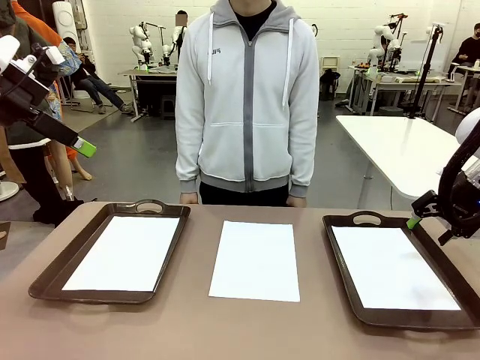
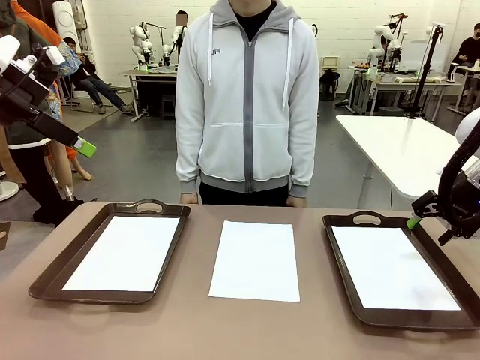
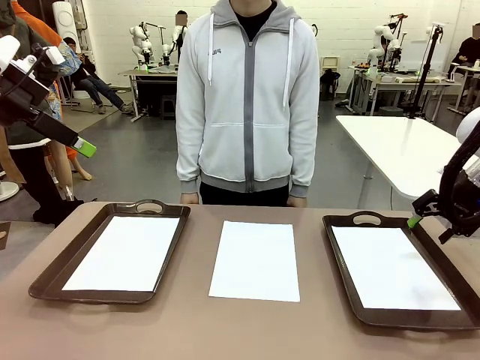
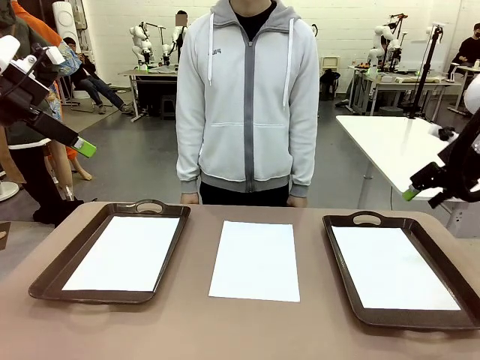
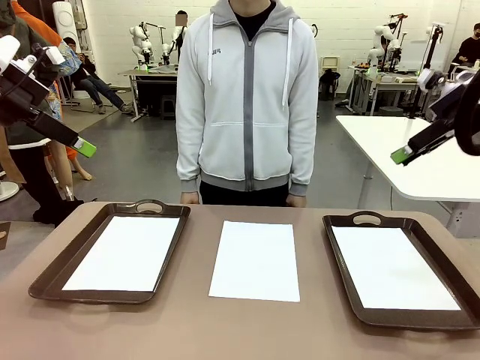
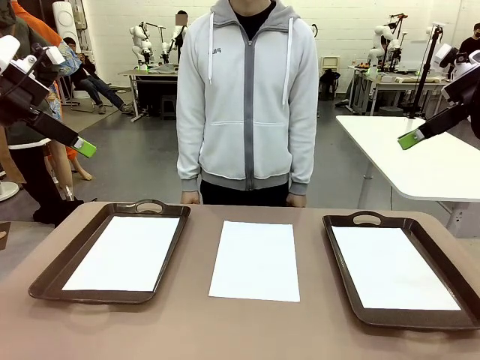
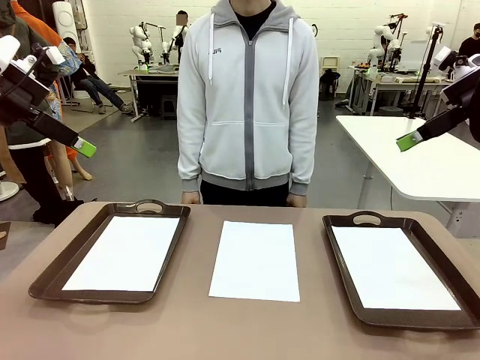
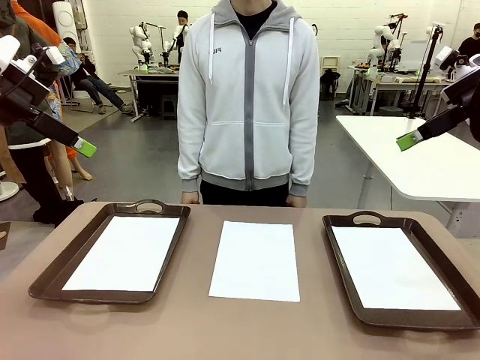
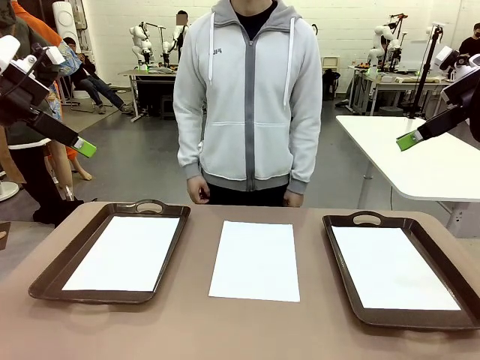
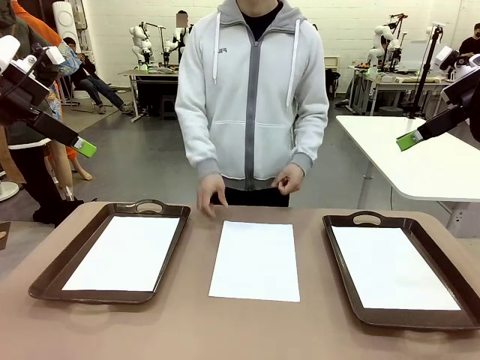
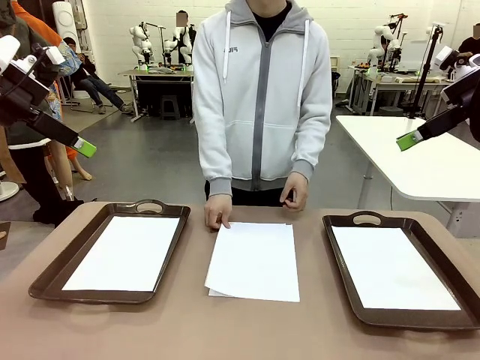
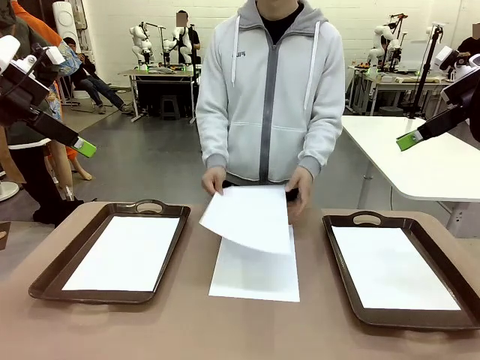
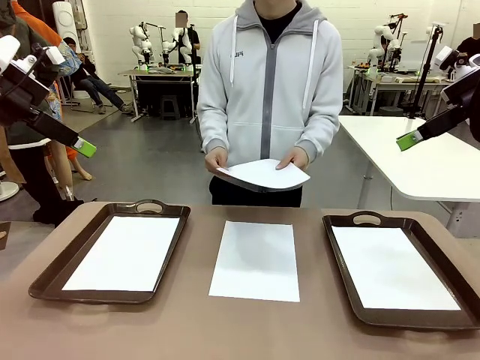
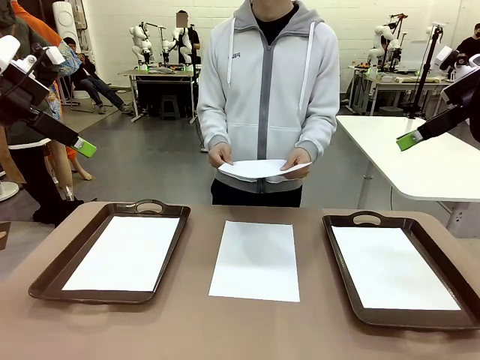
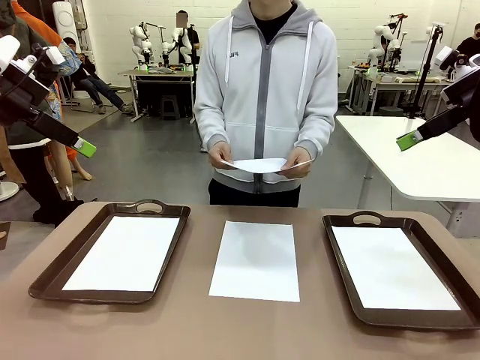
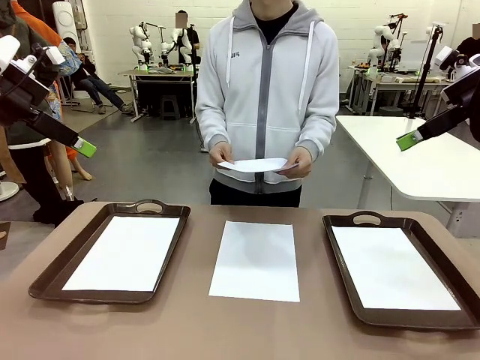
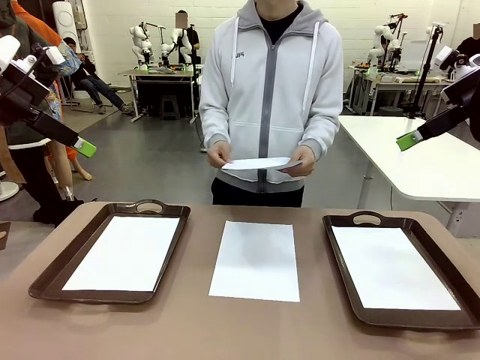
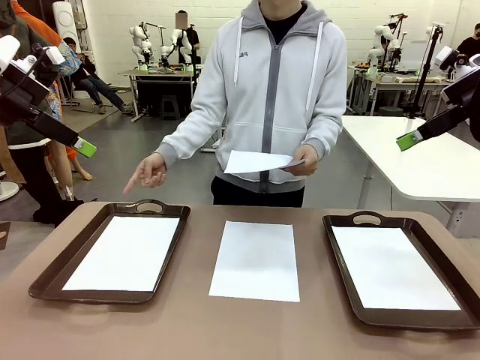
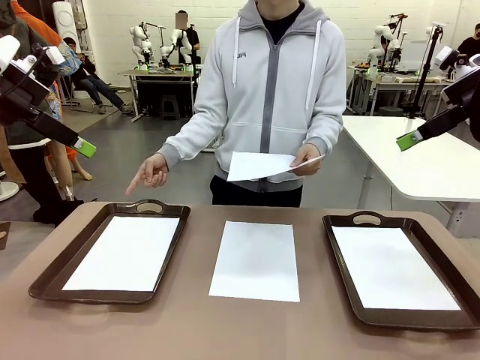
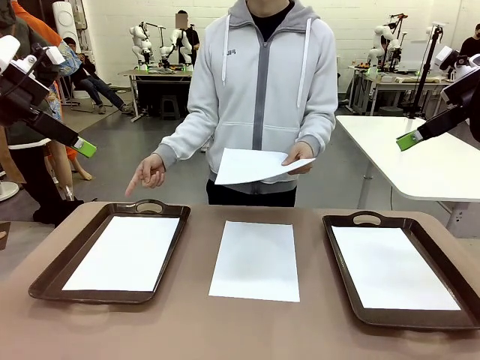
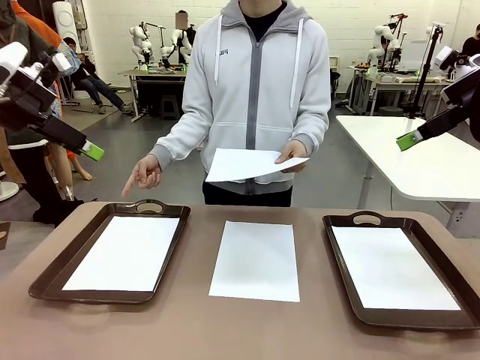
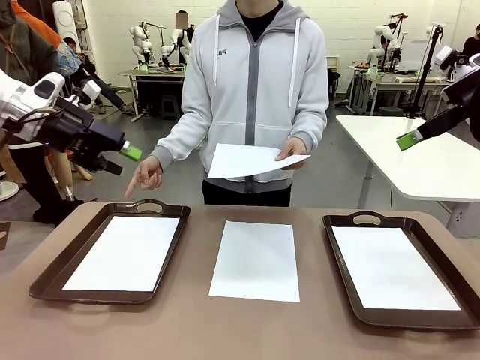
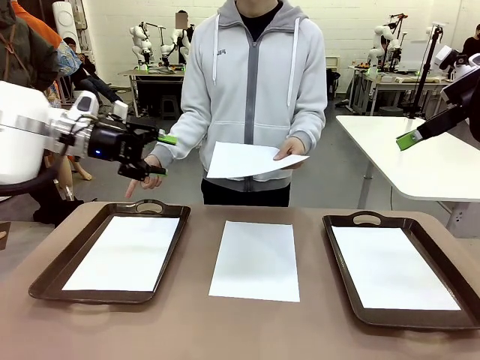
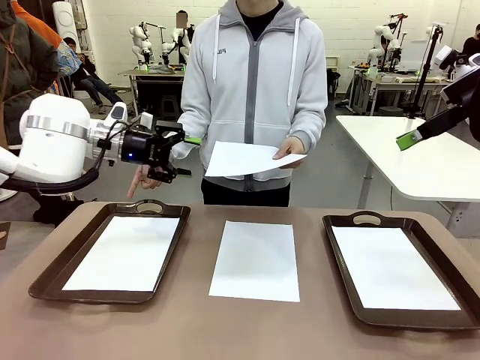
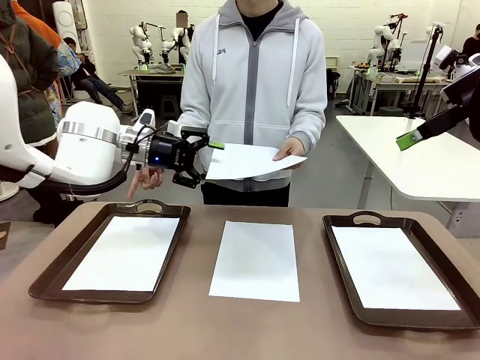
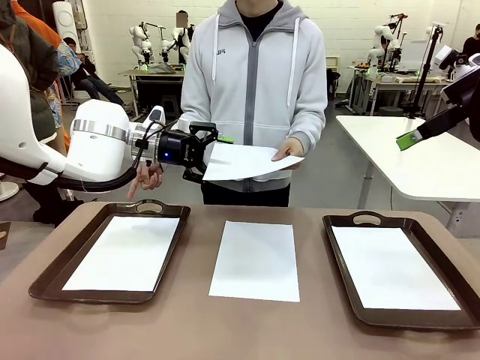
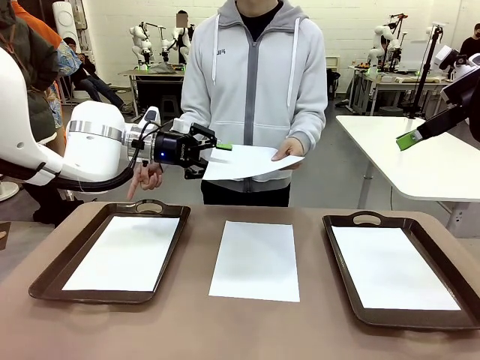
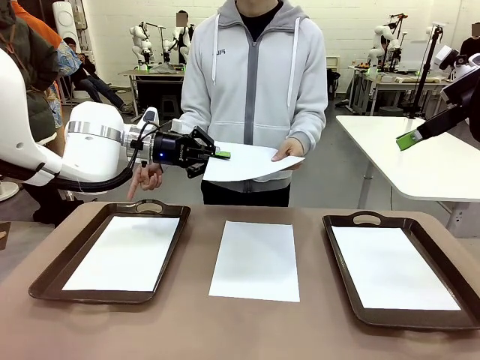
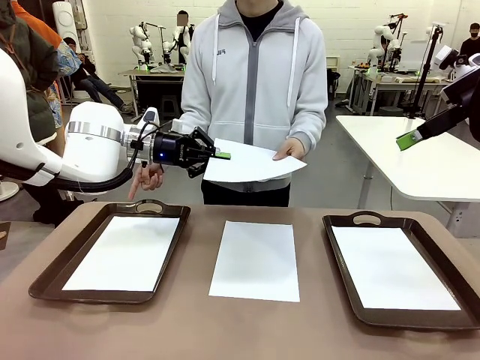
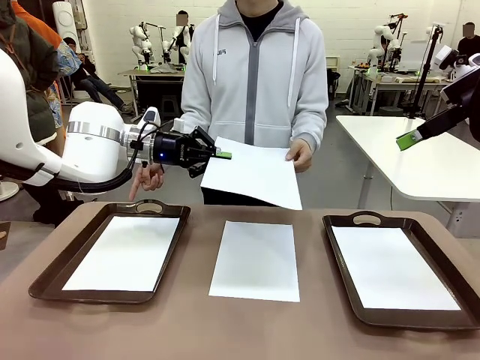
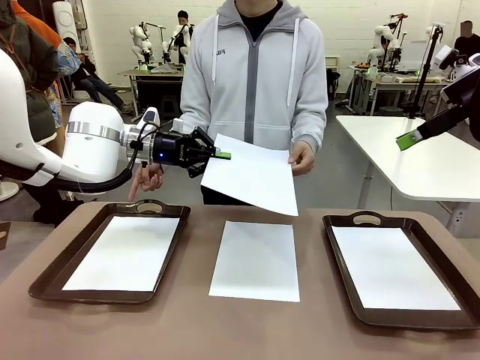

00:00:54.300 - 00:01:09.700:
Task: Sort the A4 documents.
Robot: Receive the A4 Paper.
Person: Point the randomly selected tray with the other hand.

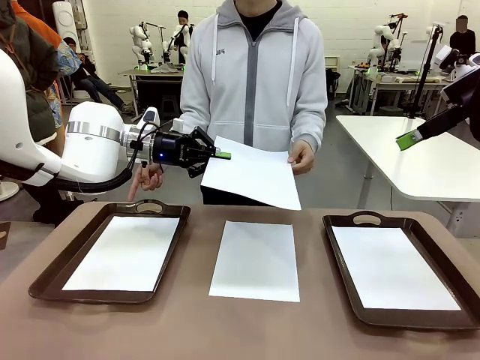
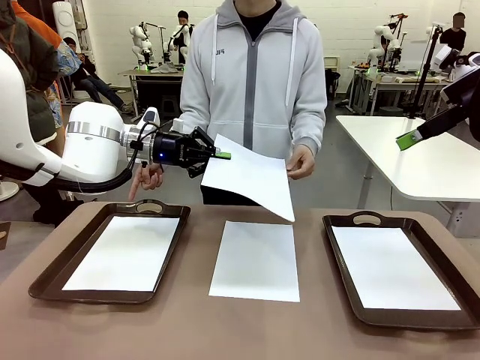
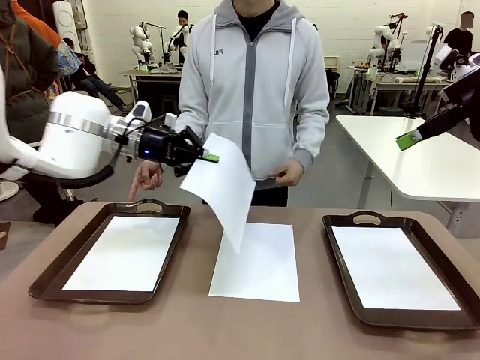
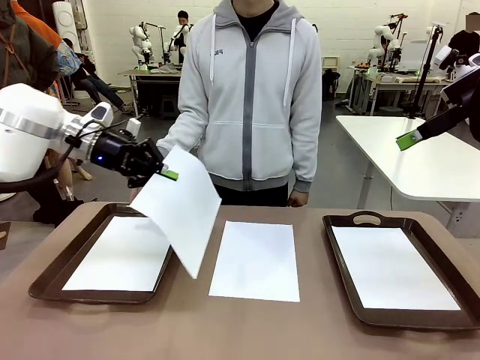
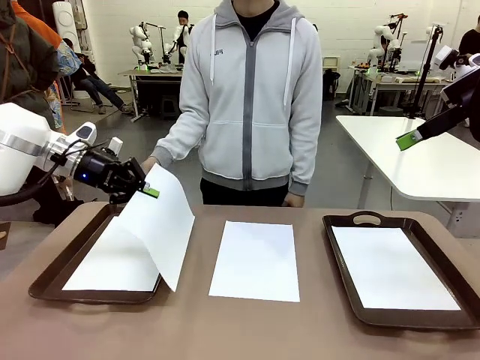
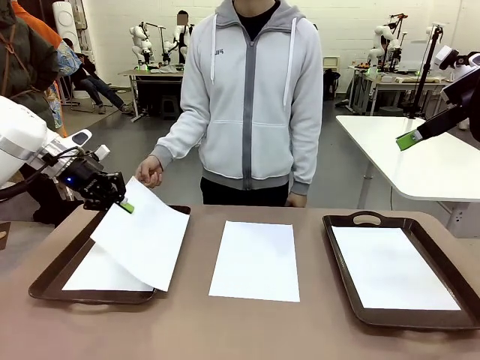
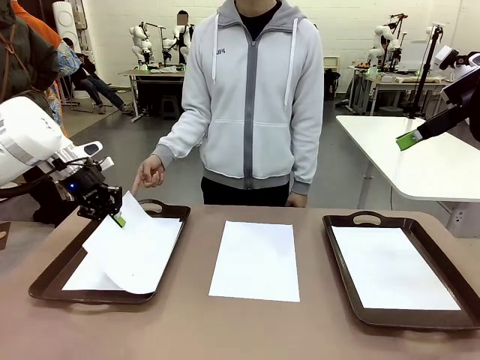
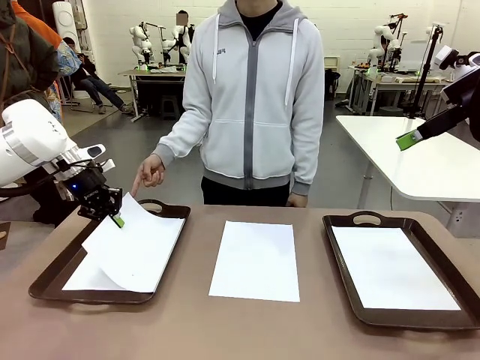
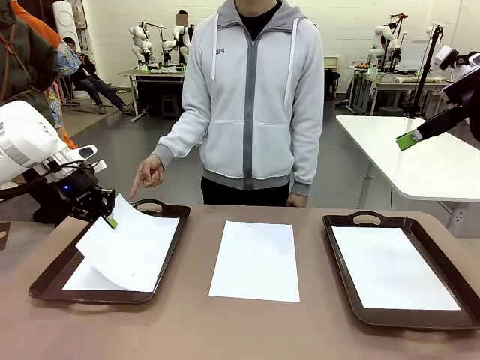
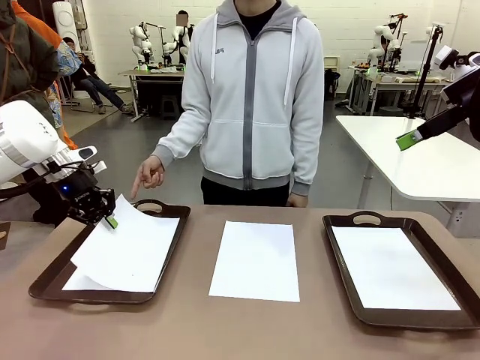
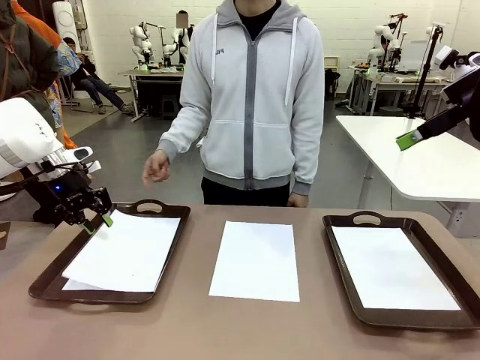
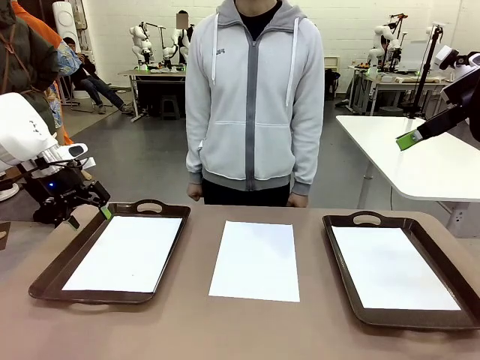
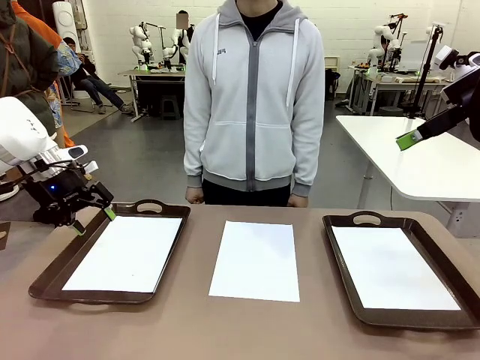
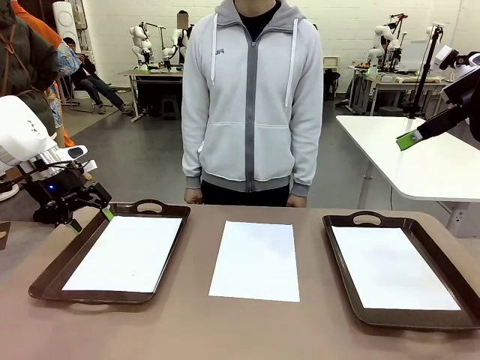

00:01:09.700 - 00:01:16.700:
Robot: Place the A4 Paper in the designated Handle tray.

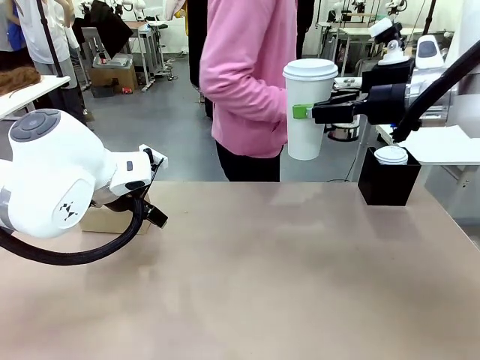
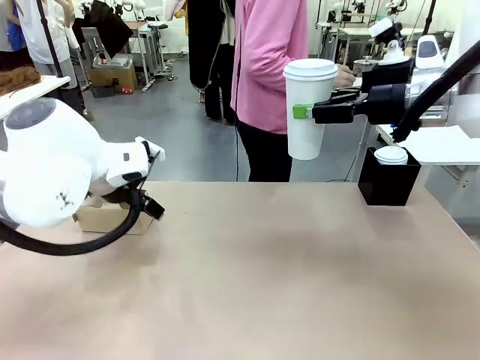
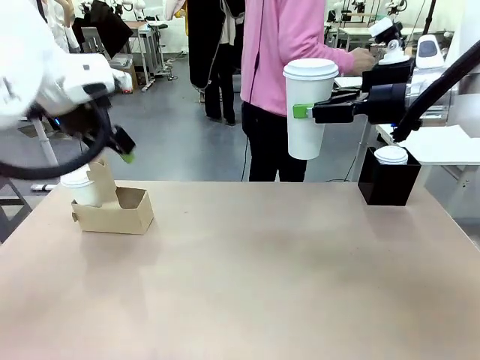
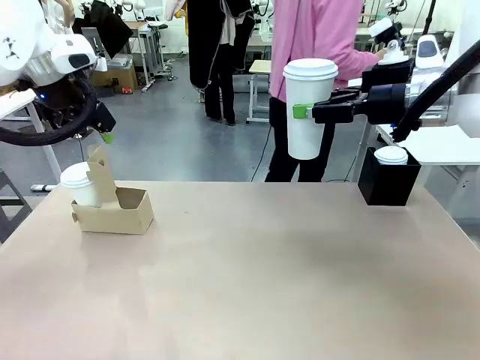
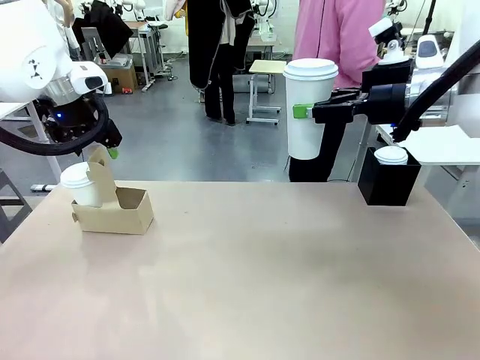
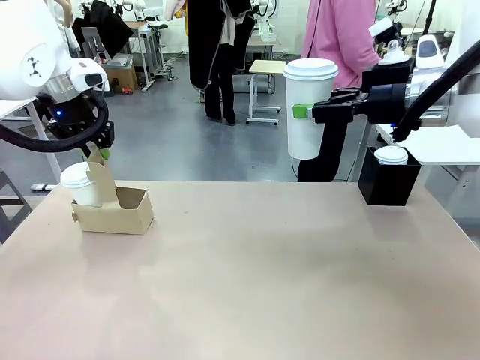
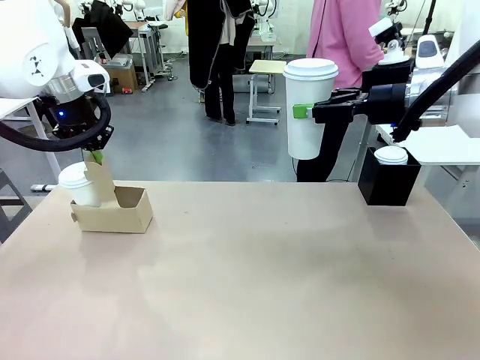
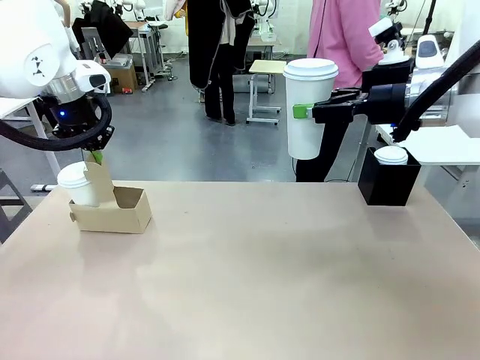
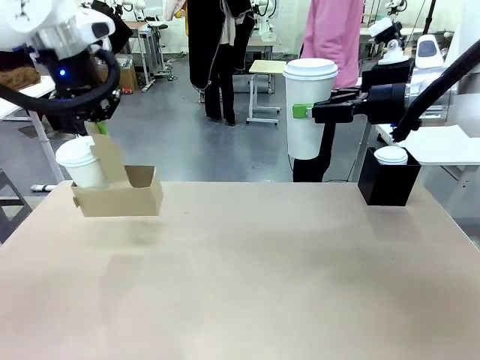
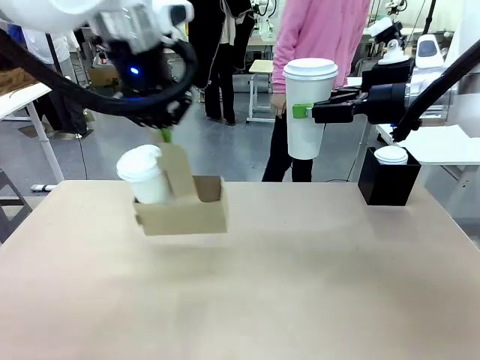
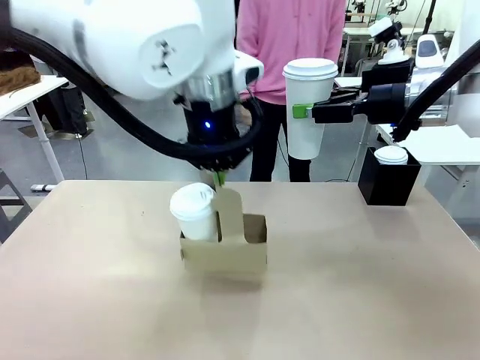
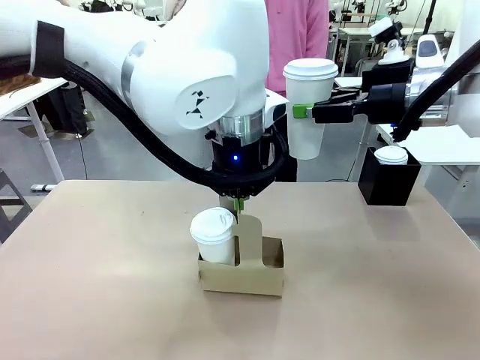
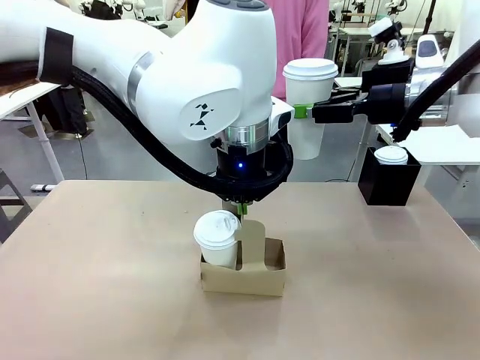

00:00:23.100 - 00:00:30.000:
Task: Pour a drink into a cup and package it in a carrier.
Robot: Position the Cup Carrier in the center of the table.
Person: Pick up the Filter Brewing and place on the middle of Human table, and return to the Robot table.
